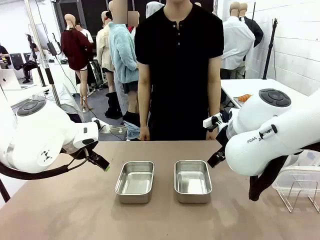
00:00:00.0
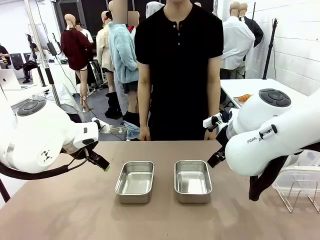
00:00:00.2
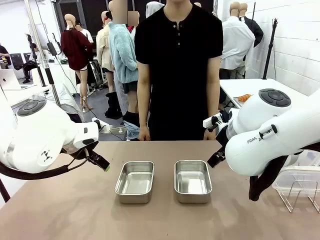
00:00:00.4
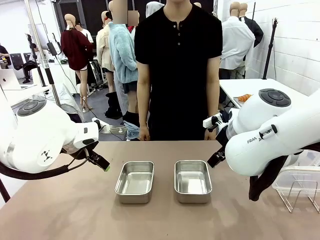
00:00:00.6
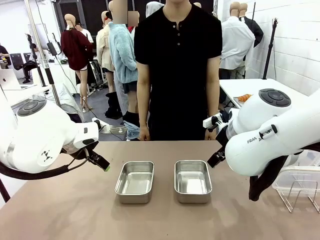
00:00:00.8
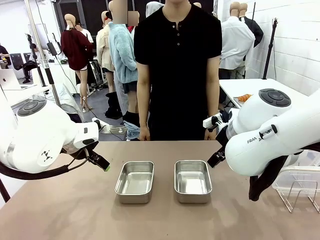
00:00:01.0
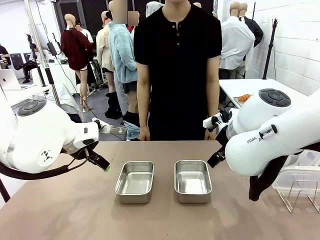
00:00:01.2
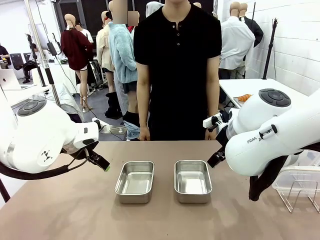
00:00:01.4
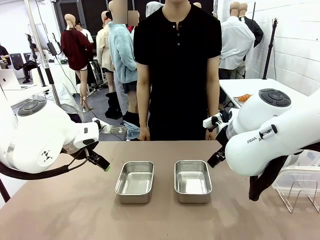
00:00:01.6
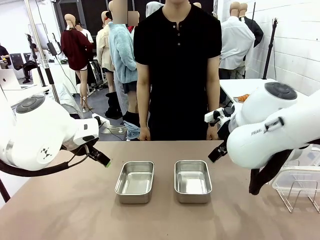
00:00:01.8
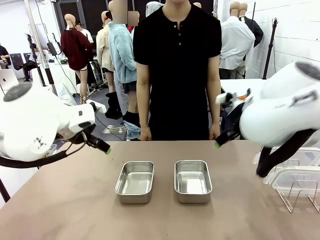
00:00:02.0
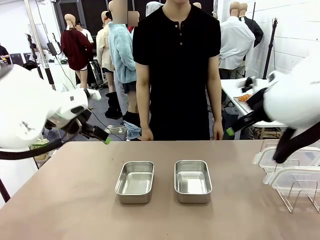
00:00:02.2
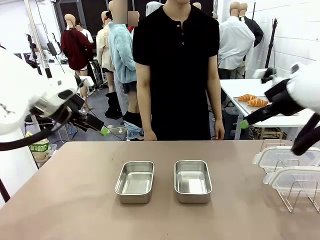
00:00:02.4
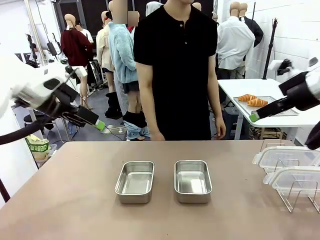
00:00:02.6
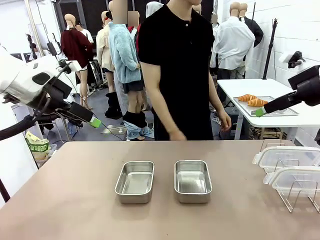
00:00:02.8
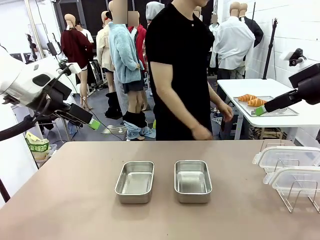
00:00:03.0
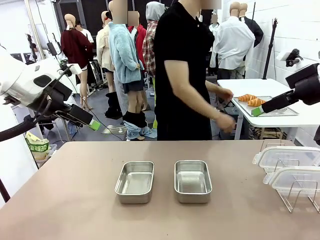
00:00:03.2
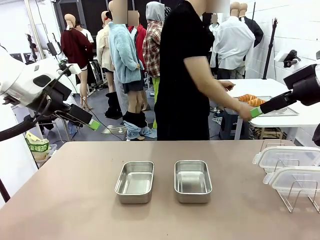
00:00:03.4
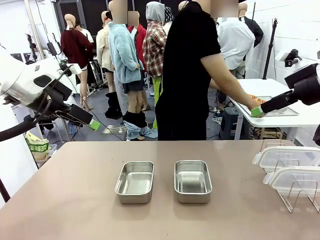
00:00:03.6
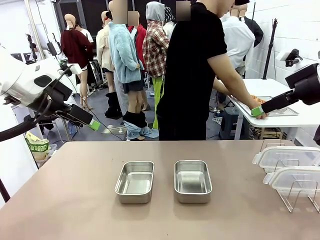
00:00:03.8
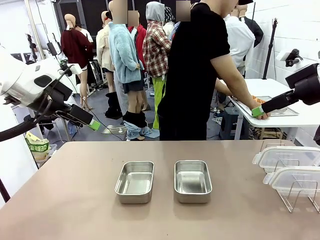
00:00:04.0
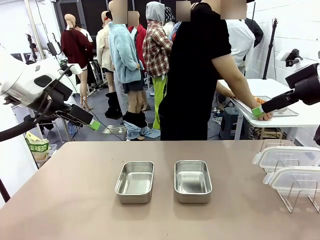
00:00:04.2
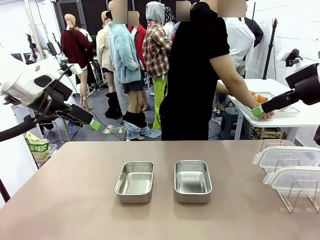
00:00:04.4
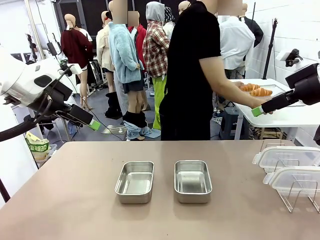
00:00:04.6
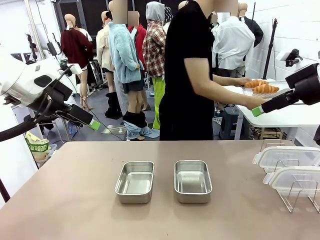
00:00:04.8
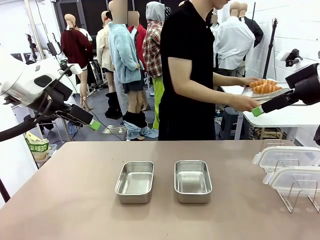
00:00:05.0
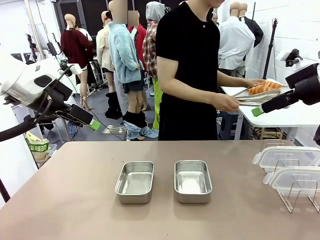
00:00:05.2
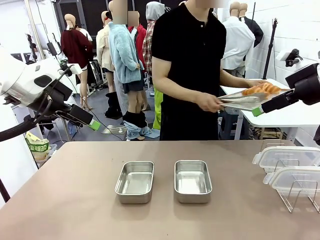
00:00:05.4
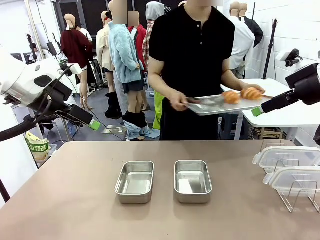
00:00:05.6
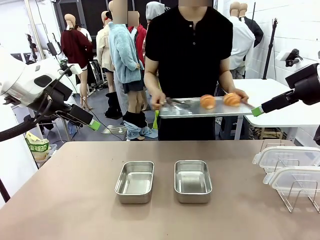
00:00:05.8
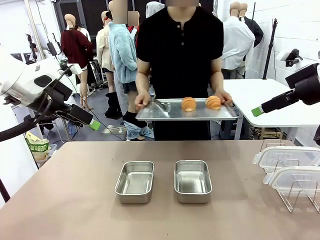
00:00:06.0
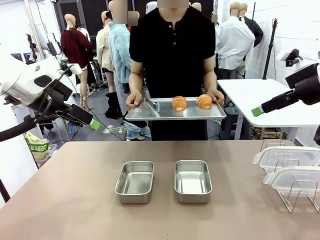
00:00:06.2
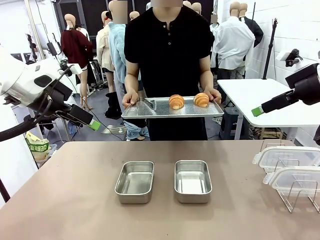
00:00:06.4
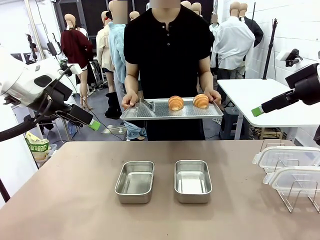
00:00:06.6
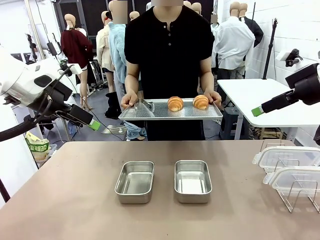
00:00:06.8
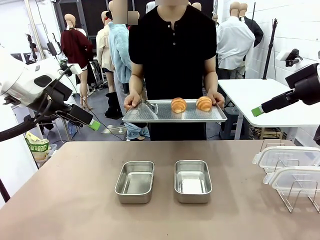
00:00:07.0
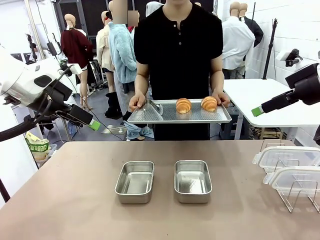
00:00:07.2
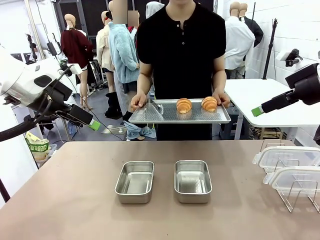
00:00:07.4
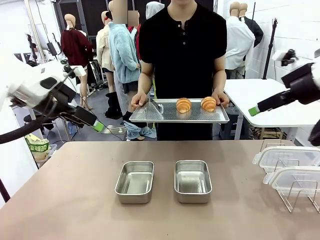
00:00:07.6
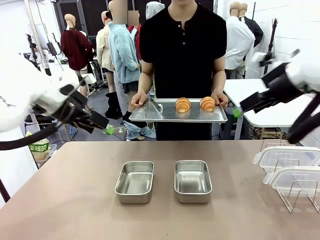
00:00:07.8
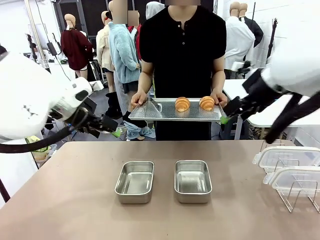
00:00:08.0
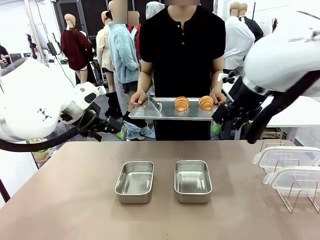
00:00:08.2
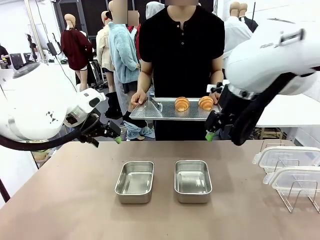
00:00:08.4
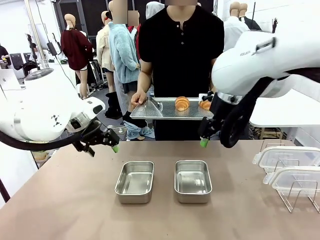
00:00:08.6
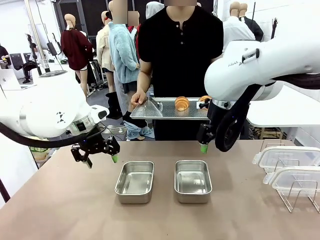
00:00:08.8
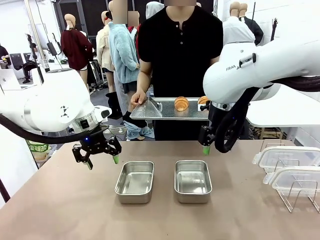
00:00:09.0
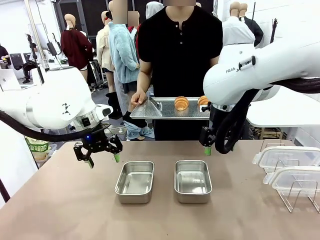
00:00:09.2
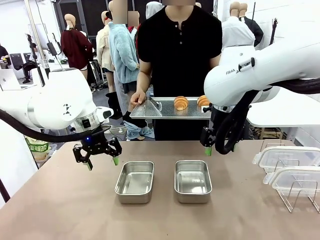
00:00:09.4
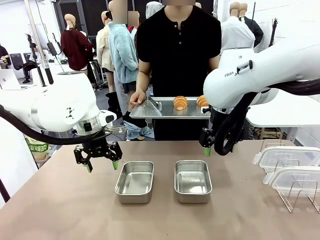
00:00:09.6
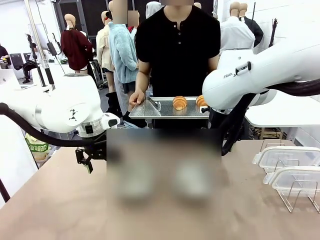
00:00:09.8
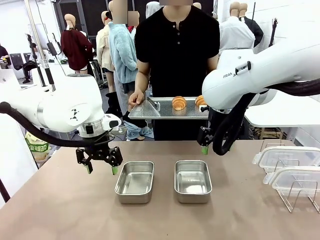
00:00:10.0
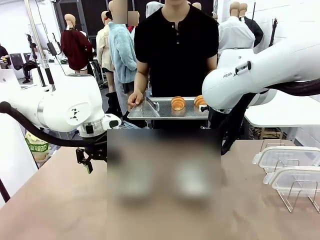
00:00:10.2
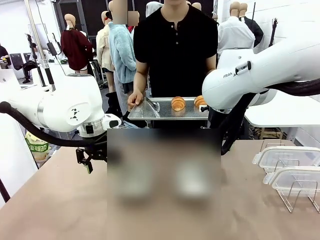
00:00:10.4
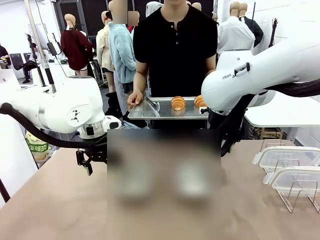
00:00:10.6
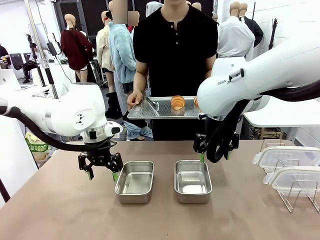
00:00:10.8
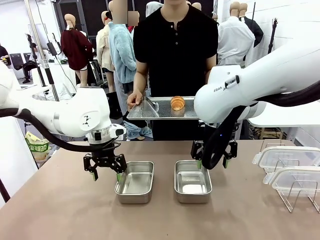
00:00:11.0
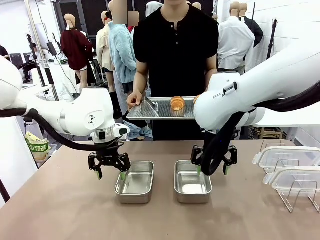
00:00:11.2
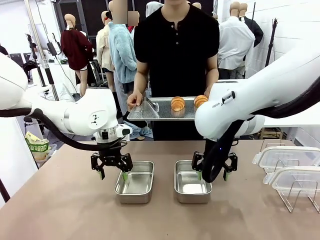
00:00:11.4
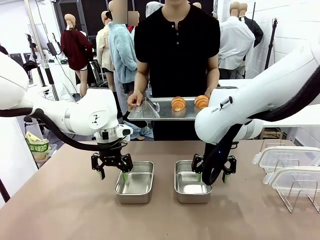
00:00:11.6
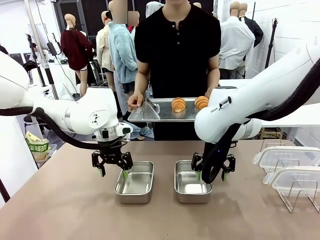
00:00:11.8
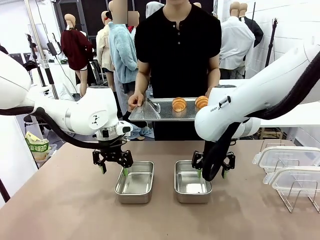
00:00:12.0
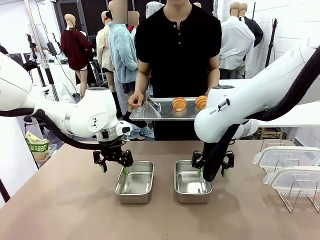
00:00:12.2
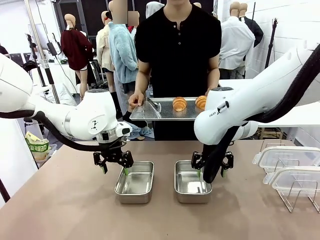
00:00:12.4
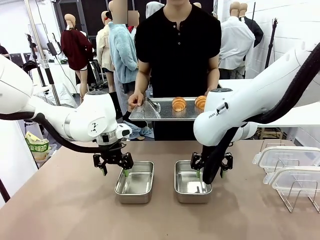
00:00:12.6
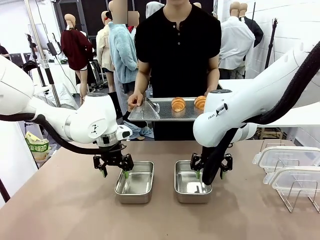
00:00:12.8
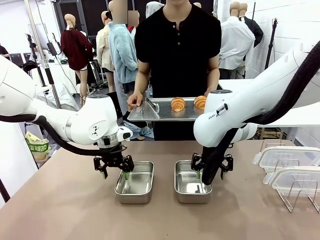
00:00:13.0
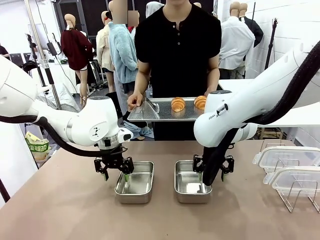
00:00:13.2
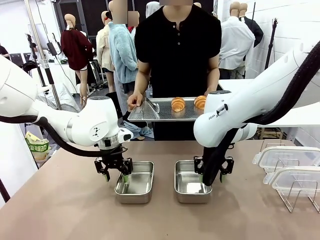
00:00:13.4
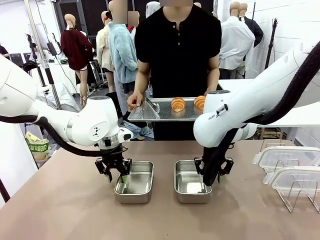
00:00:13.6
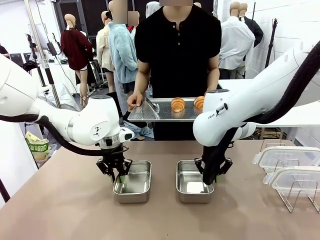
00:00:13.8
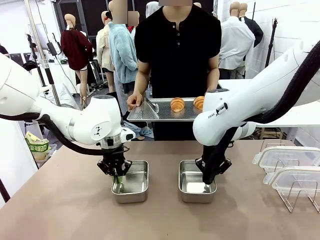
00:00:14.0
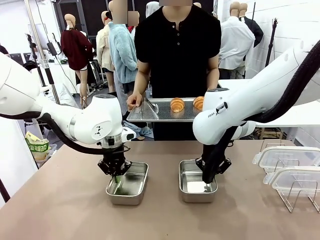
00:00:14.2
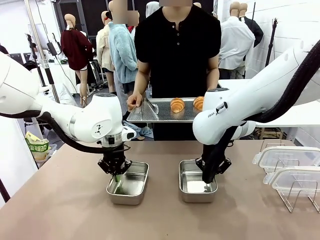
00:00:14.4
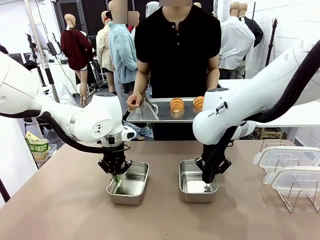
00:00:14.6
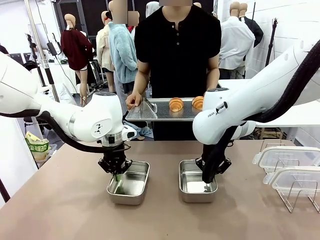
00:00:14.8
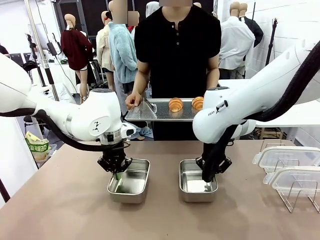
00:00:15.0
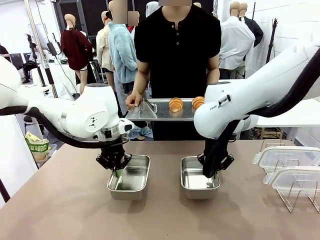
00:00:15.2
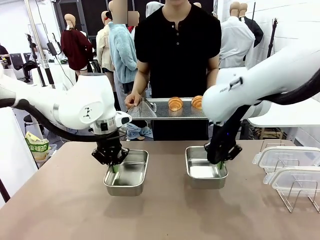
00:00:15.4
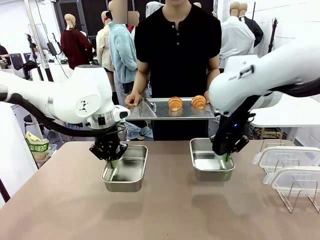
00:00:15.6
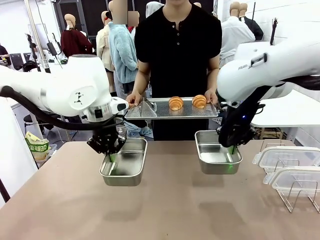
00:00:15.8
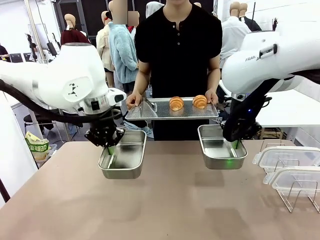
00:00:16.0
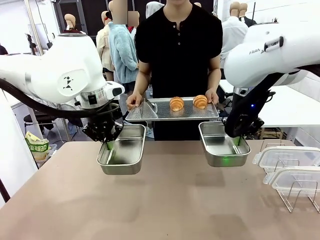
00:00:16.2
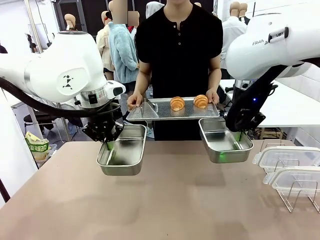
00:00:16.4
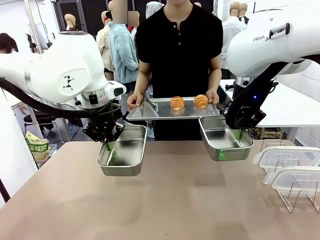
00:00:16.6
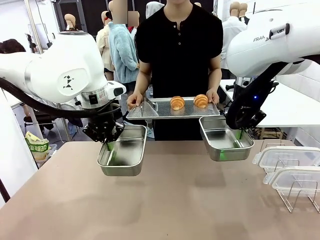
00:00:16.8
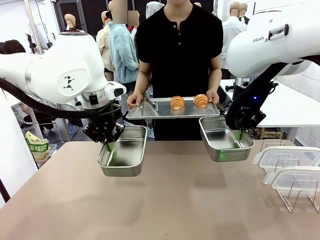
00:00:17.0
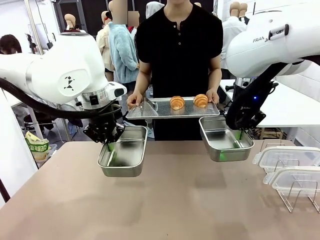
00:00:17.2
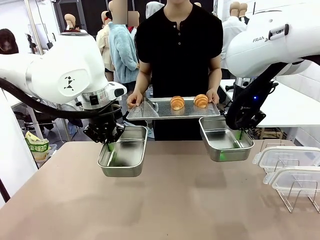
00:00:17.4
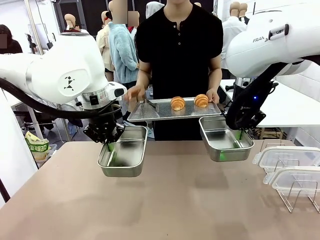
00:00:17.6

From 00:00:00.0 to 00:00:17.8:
Task: Place the bread in airtight containers.
Robot: Lift both Airtight Container.
Person: Bring the Baking Sheet in front of Robot's Table.
